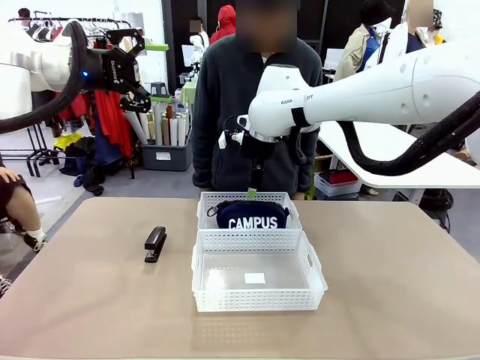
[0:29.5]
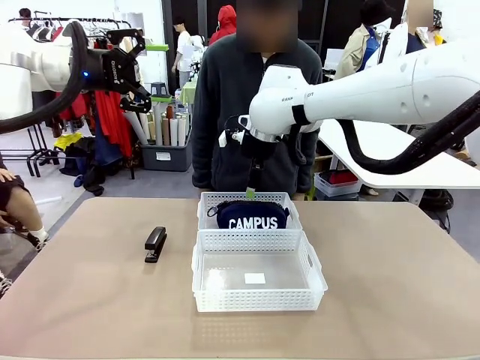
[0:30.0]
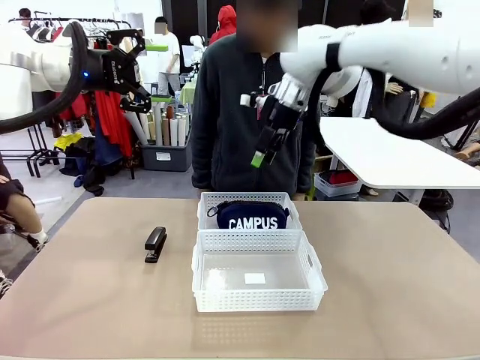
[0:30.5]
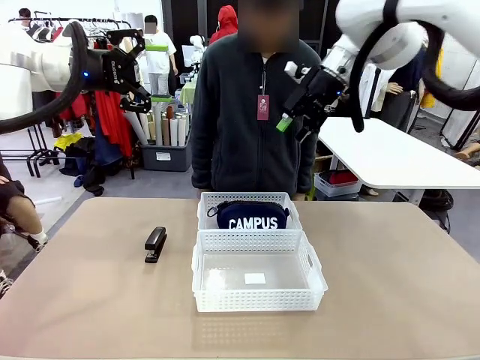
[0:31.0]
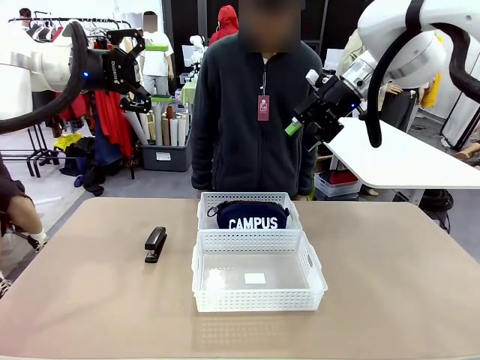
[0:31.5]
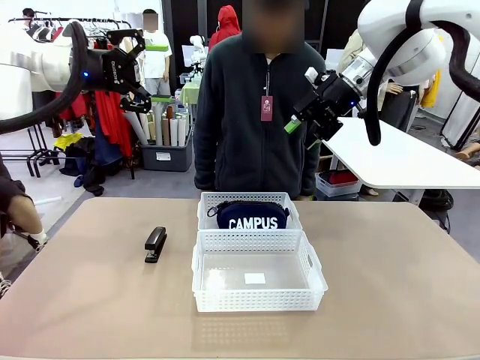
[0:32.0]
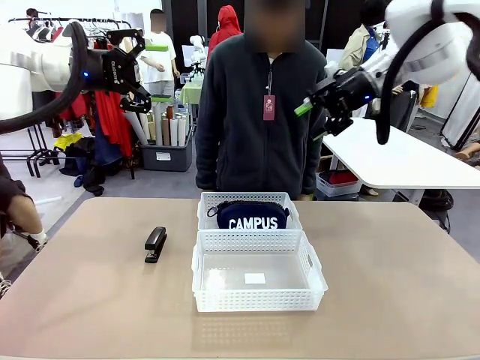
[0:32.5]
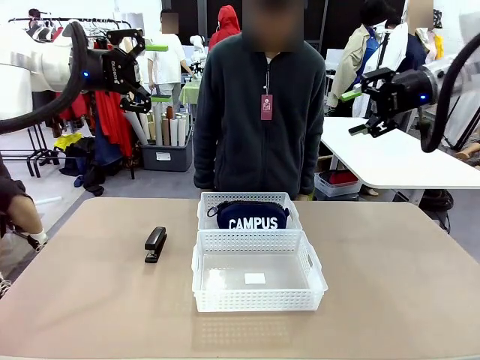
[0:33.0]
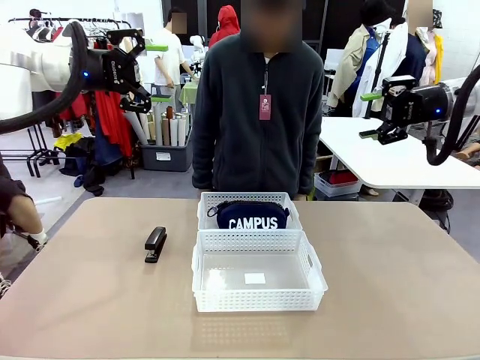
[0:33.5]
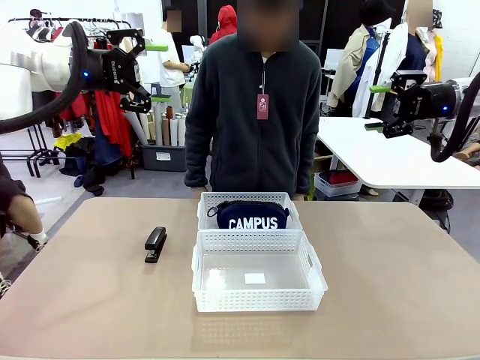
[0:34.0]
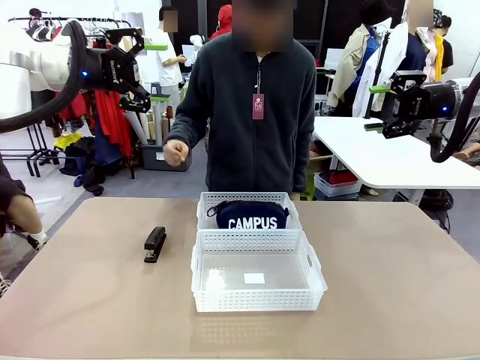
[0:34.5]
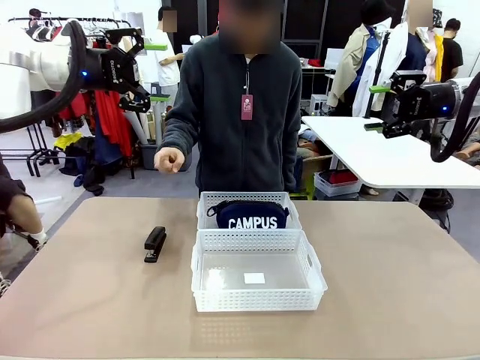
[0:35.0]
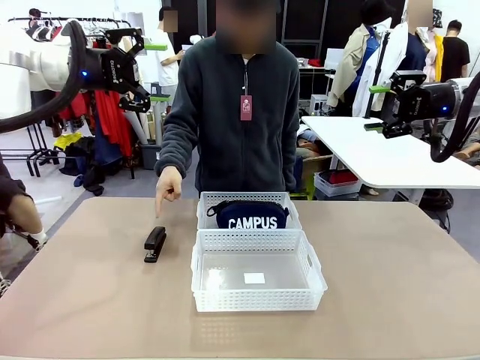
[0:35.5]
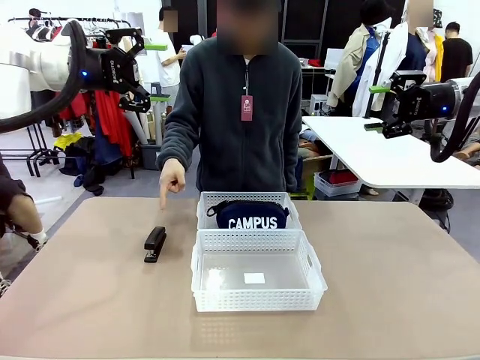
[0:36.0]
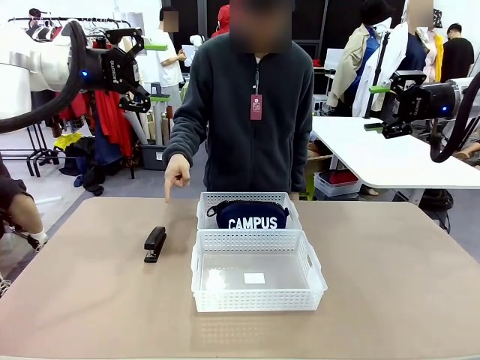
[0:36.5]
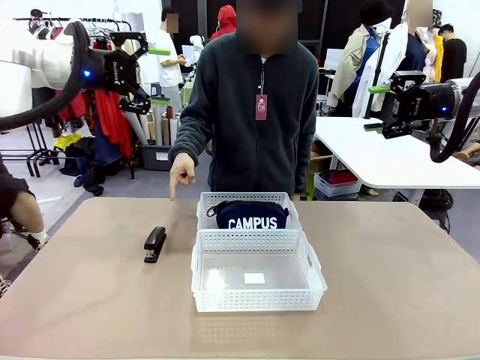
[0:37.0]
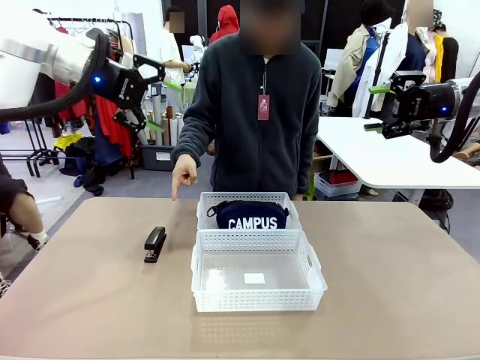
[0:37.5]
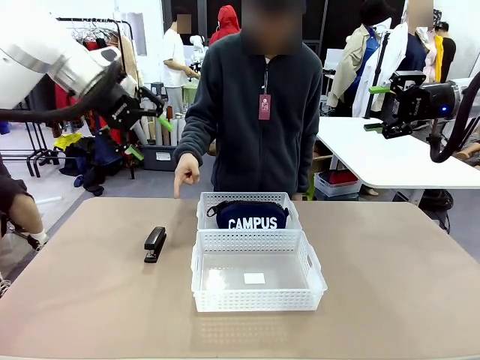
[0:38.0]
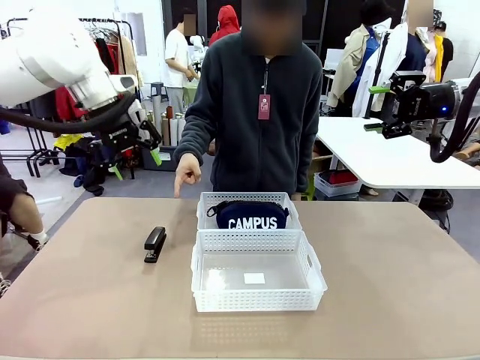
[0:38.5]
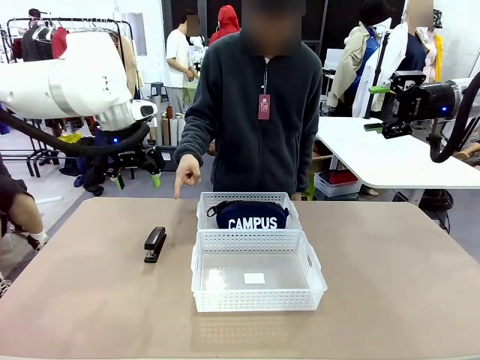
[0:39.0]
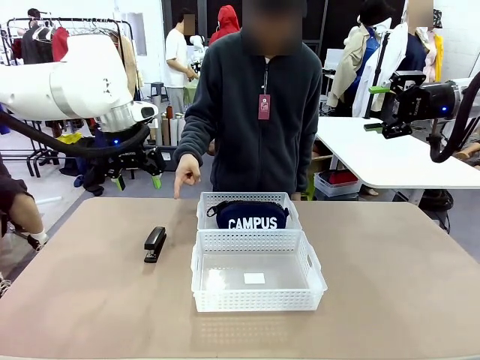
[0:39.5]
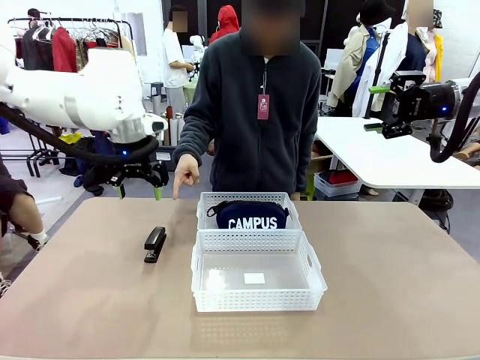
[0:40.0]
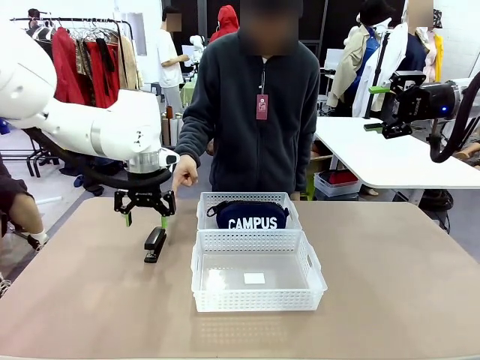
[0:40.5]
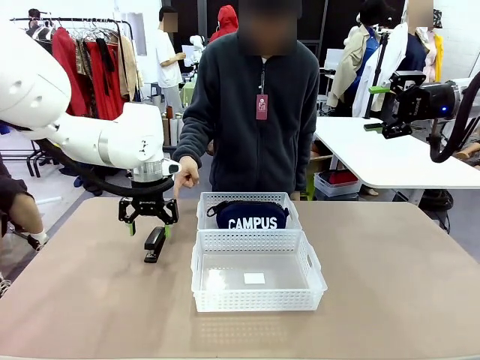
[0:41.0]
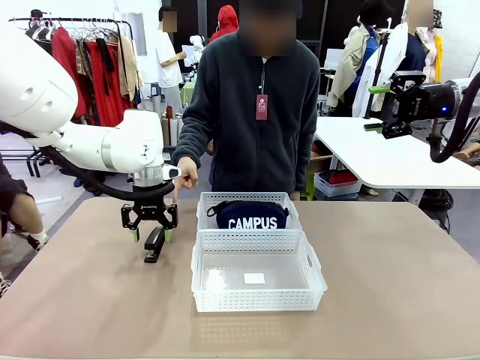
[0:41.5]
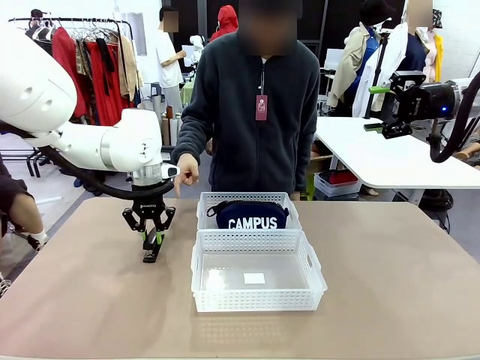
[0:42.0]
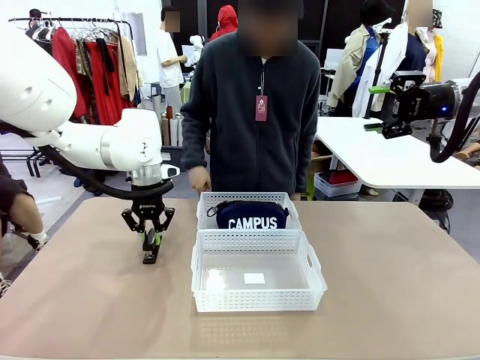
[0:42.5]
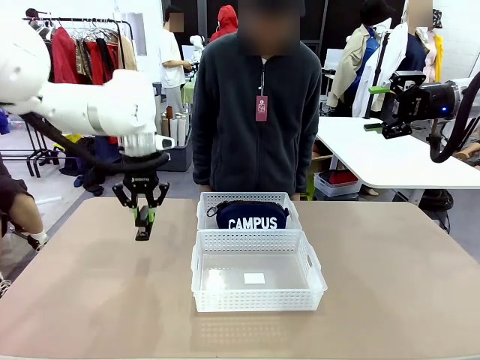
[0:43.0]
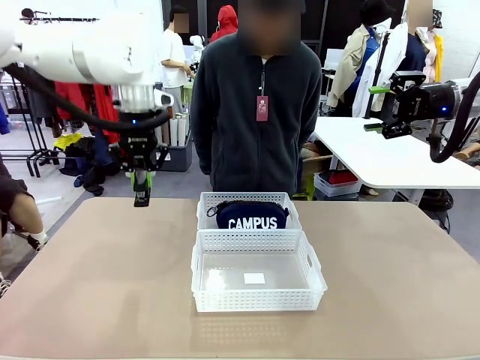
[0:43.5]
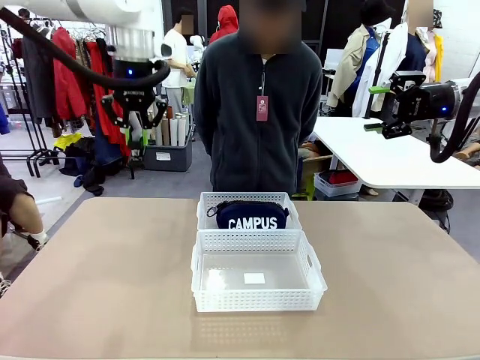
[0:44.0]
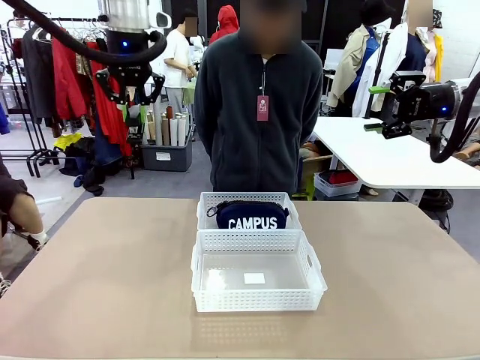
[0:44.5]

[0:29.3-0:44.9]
Task: Distribute items into two baskets.
Robot: Pick up the Stapler that the person points to.
Person: Points to the stapler.

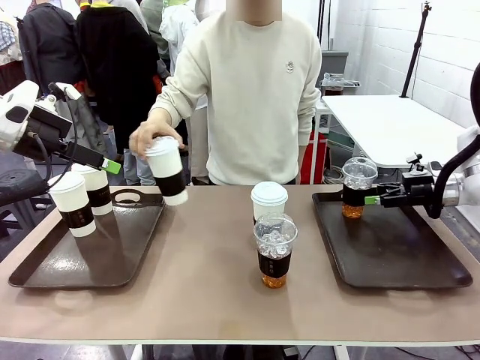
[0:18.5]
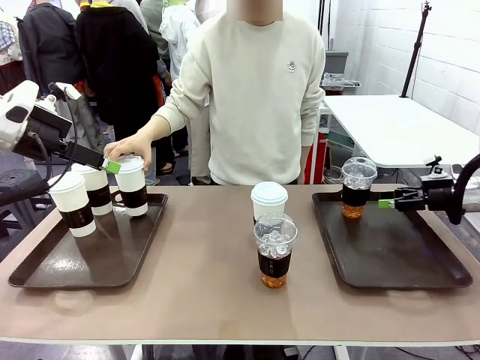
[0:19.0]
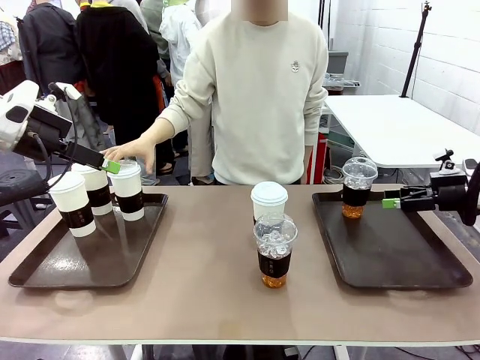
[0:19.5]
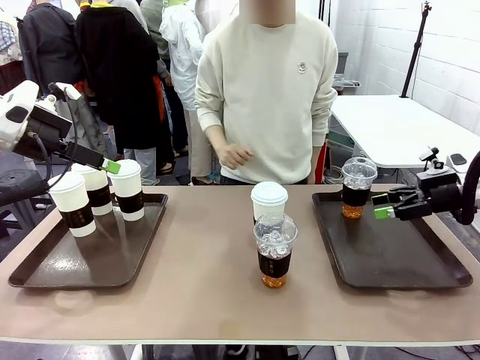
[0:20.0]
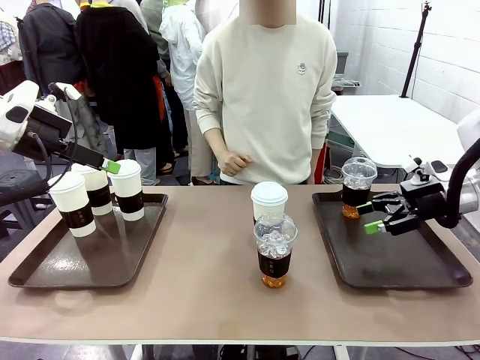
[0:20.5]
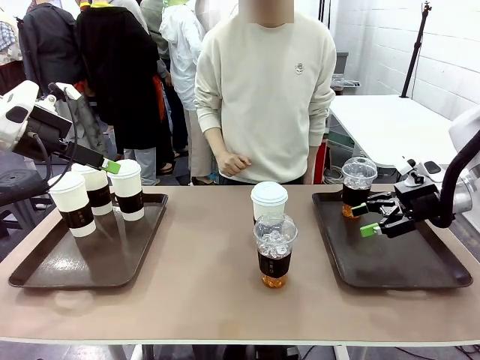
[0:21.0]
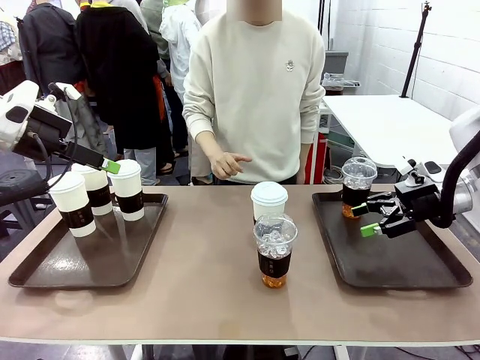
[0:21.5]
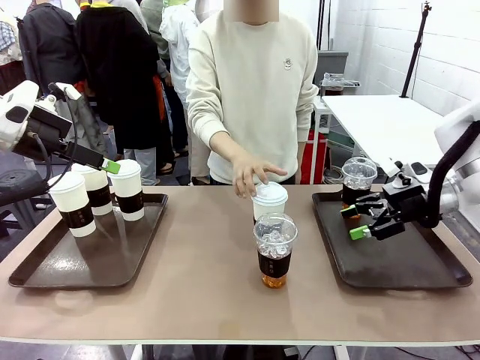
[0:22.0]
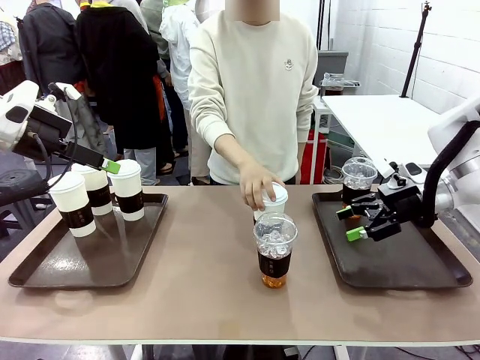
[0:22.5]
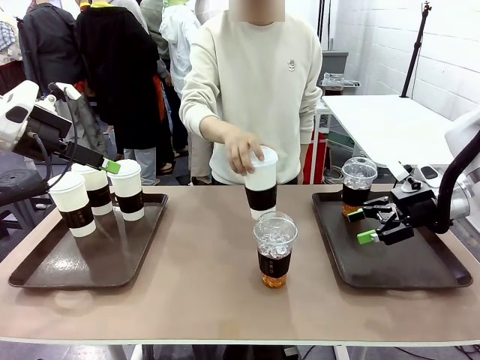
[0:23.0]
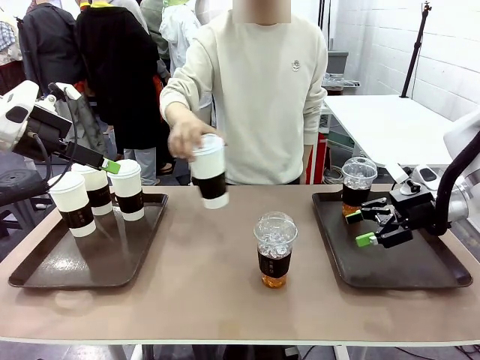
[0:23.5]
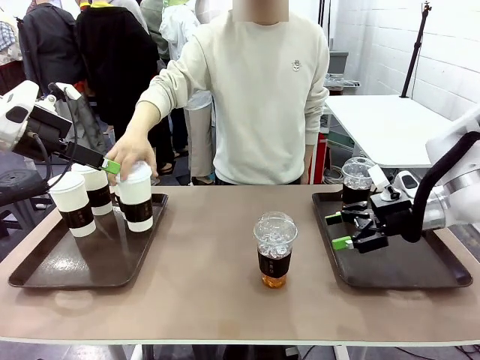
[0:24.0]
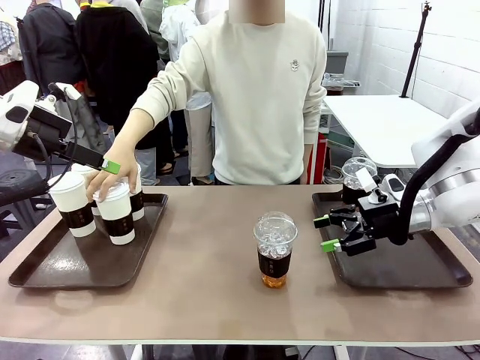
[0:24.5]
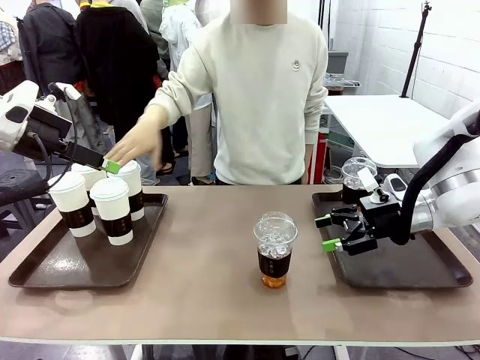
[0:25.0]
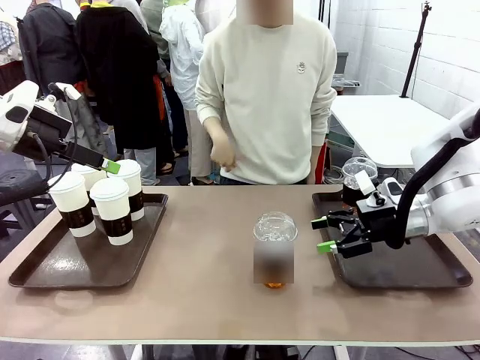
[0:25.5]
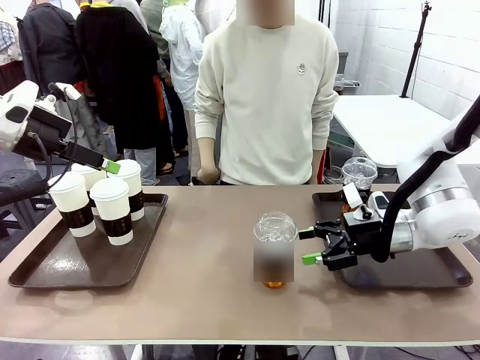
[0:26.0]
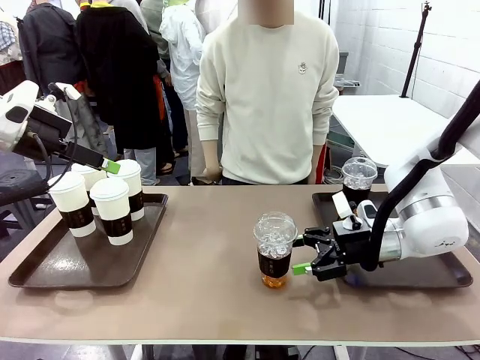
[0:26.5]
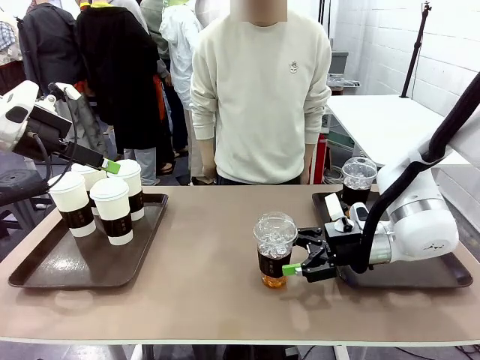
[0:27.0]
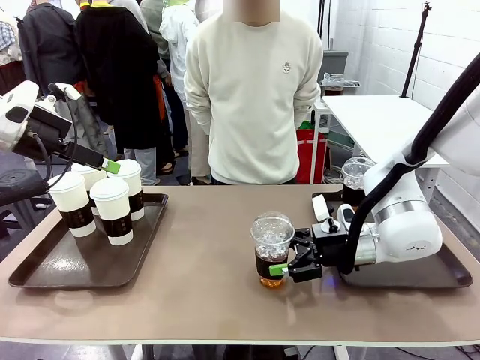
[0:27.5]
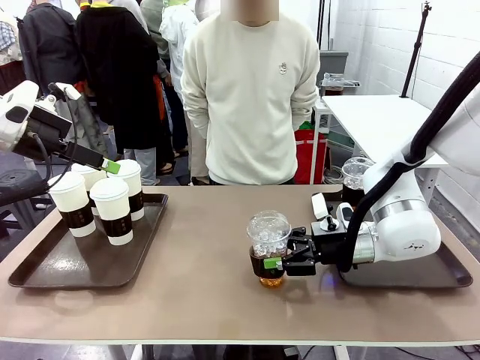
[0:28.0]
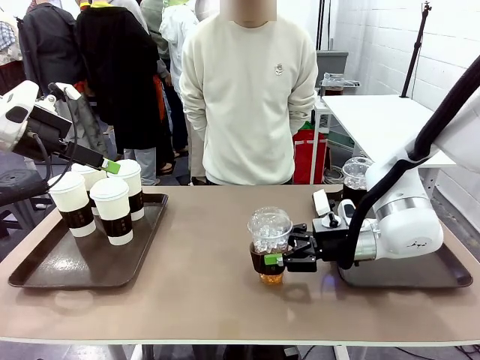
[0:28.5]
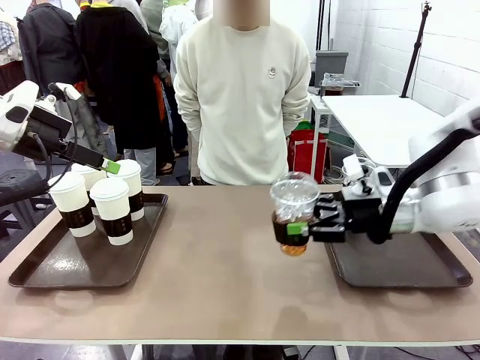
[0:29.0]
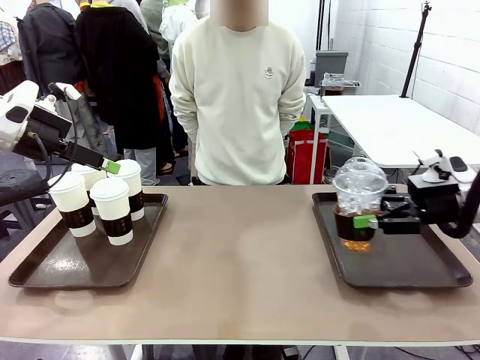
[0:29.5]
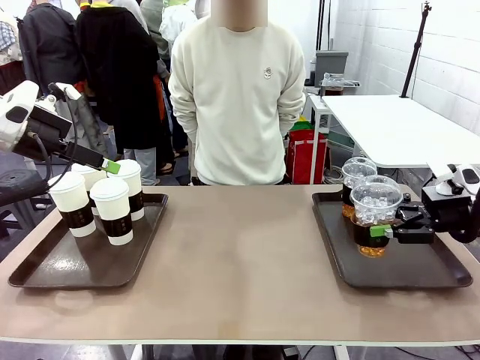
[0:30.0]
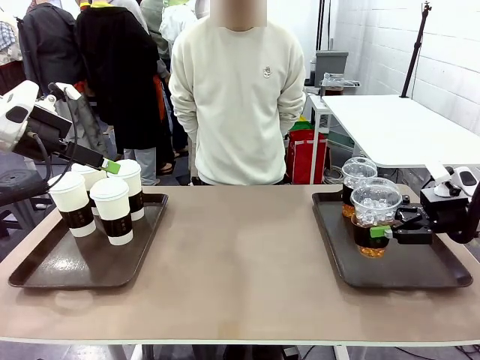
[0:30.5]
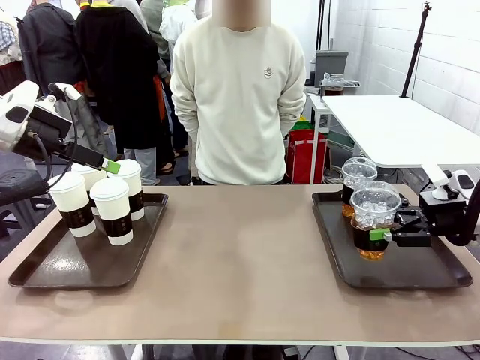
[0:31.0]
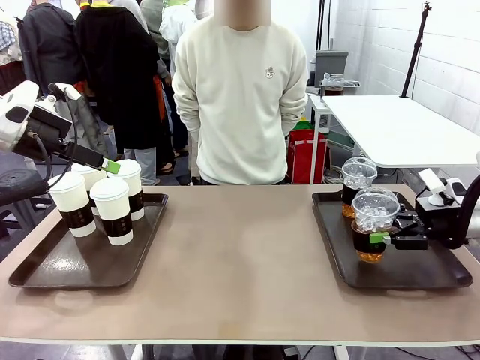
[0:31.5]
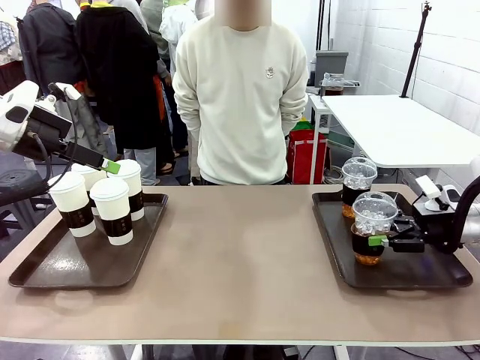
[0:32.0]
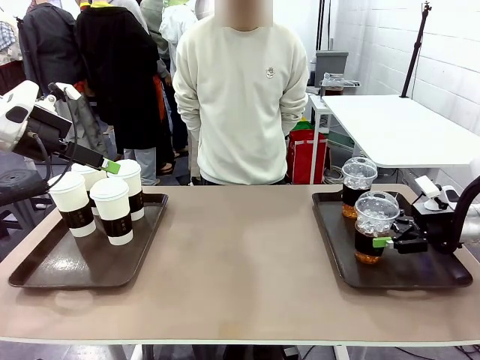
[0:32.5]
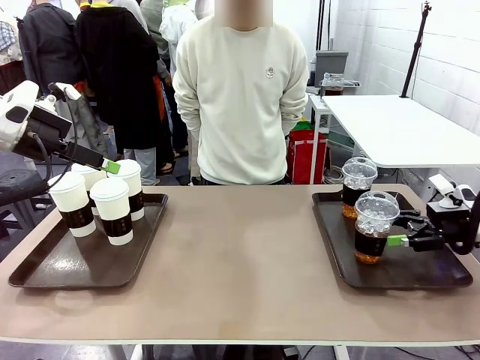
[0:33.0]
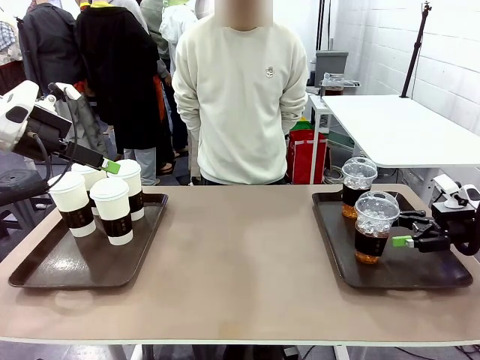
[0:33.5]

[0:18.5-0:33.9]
Task: Distribute the coffee onto the tray.
Robot: Pick up another iced Americano from the middle of the table and place it on the right Handle tray.
Person: Pick up a cup of hot Americano from the middle of the table and place it on the right tray.
